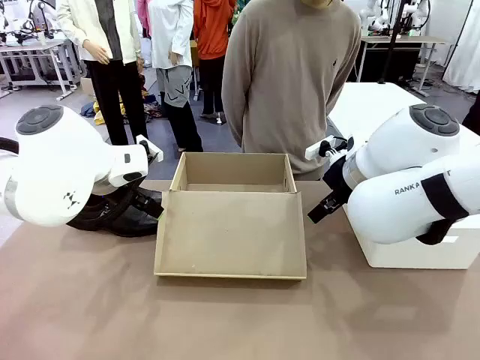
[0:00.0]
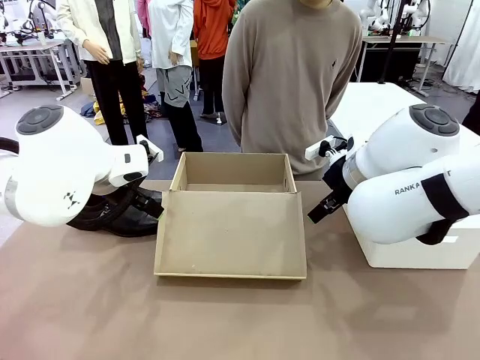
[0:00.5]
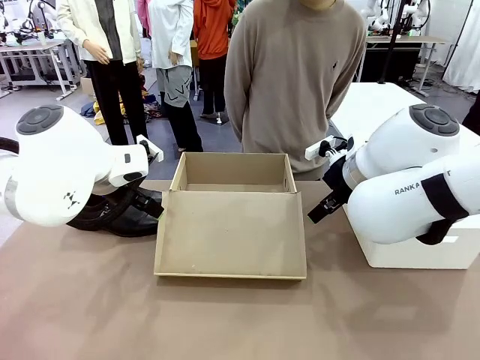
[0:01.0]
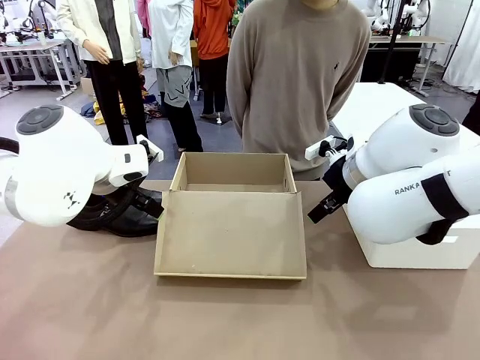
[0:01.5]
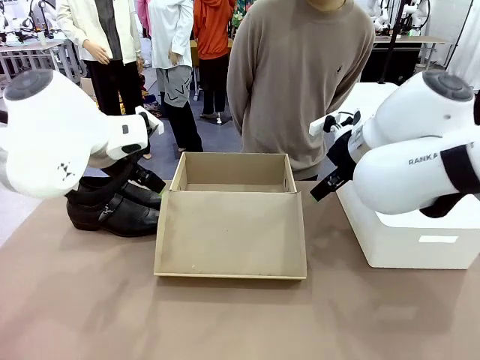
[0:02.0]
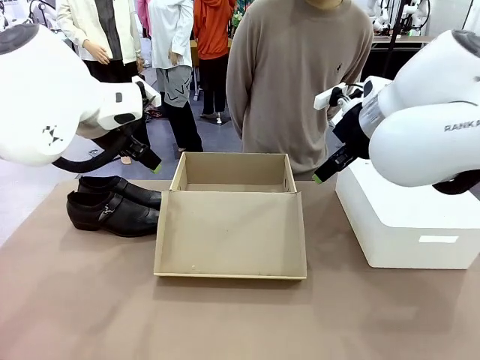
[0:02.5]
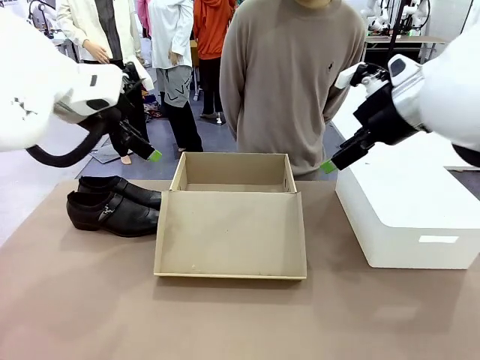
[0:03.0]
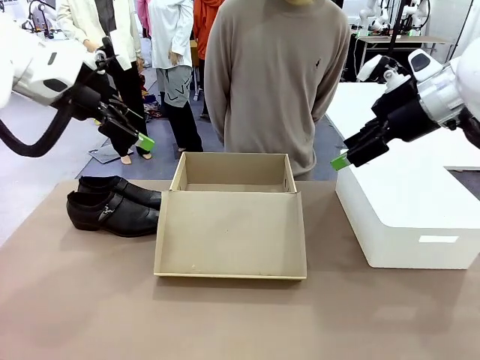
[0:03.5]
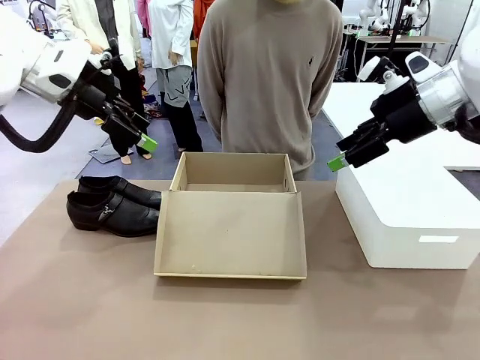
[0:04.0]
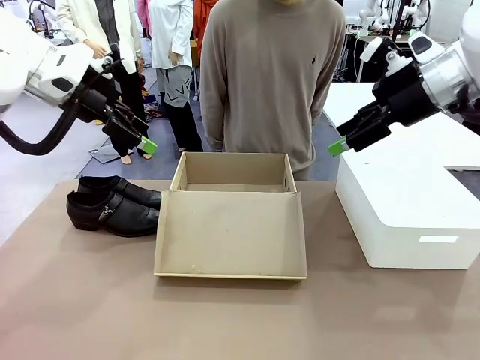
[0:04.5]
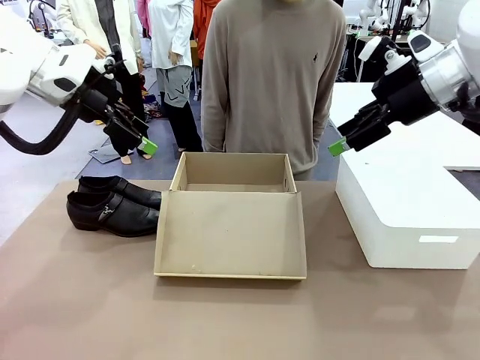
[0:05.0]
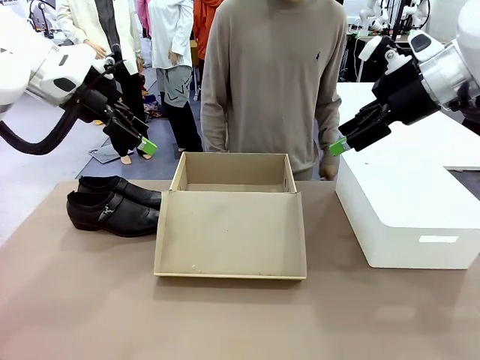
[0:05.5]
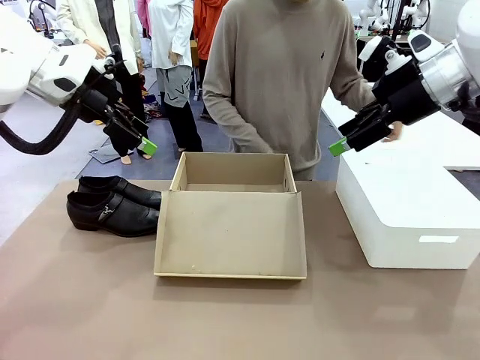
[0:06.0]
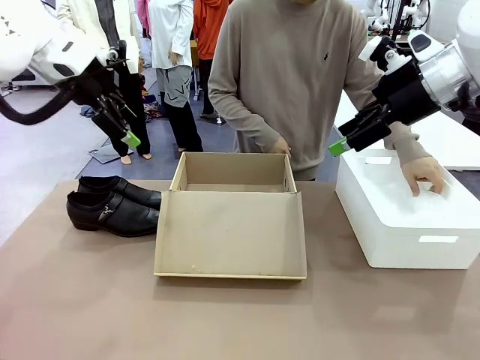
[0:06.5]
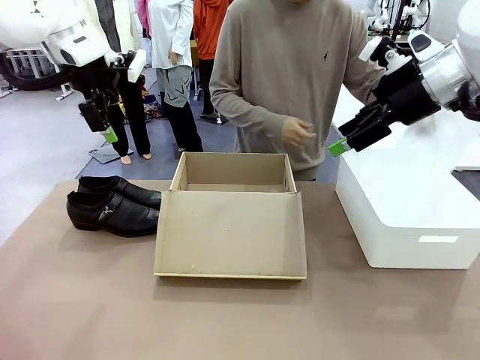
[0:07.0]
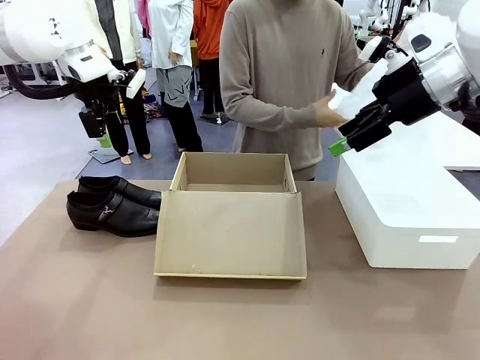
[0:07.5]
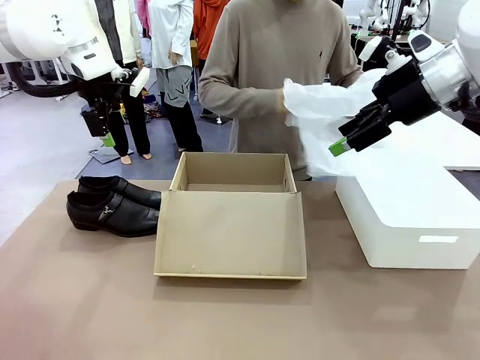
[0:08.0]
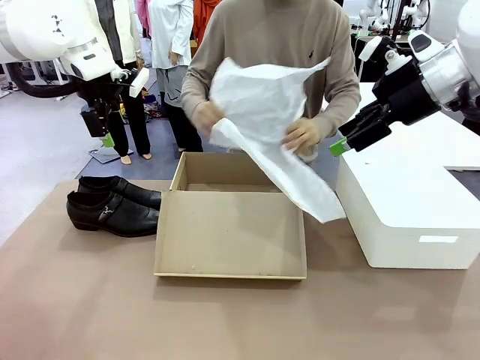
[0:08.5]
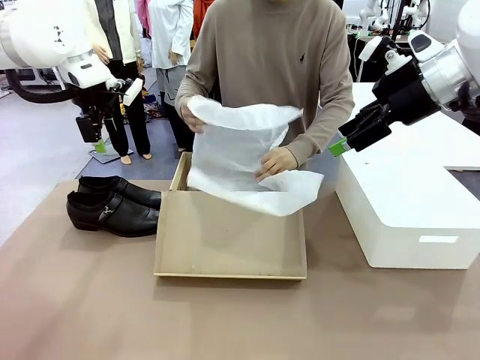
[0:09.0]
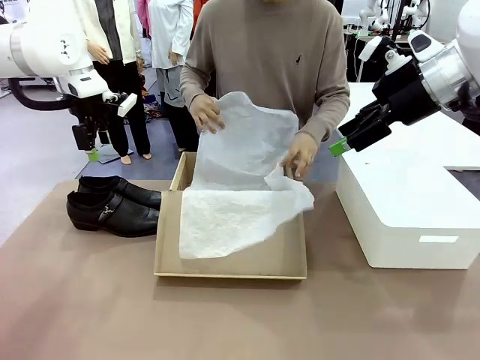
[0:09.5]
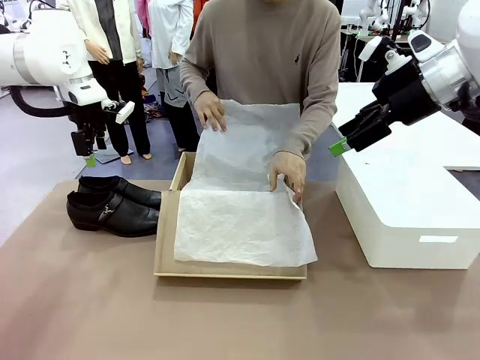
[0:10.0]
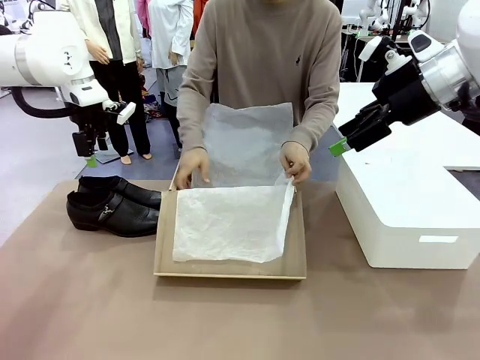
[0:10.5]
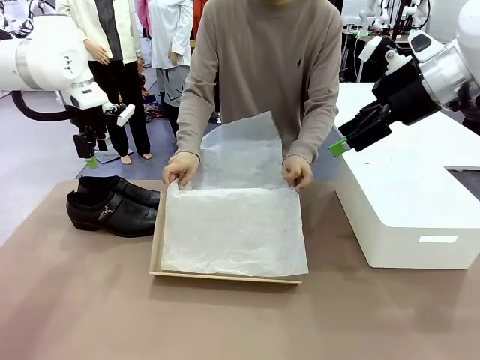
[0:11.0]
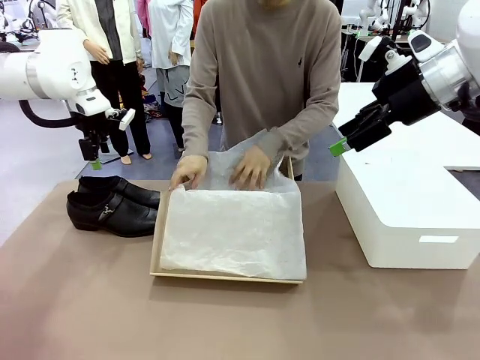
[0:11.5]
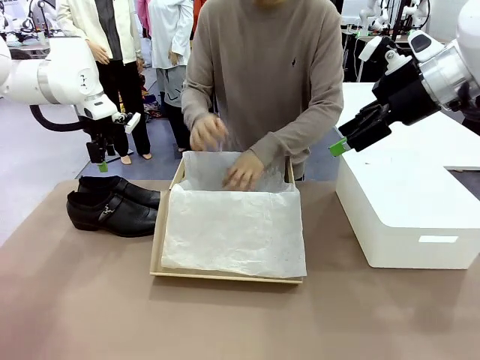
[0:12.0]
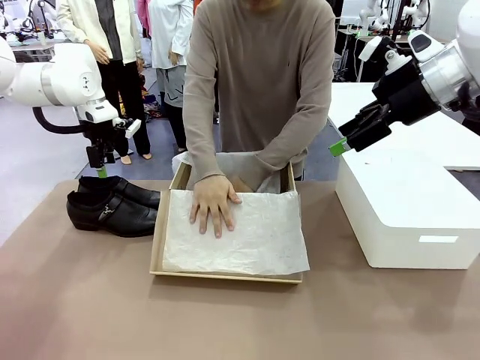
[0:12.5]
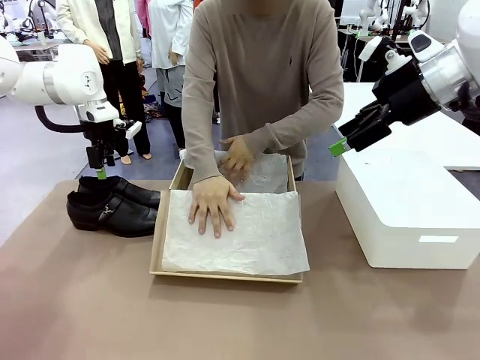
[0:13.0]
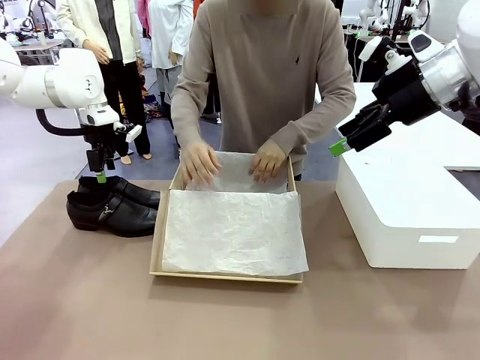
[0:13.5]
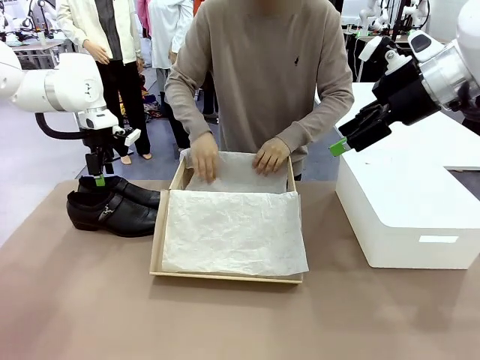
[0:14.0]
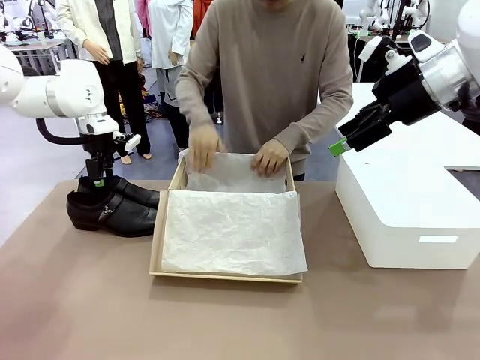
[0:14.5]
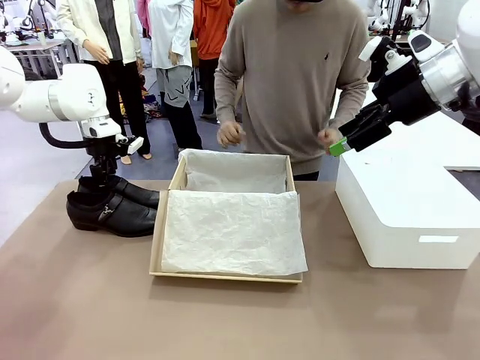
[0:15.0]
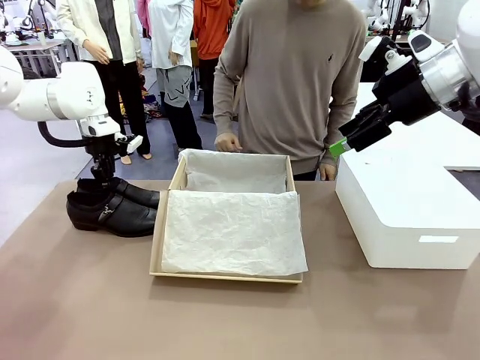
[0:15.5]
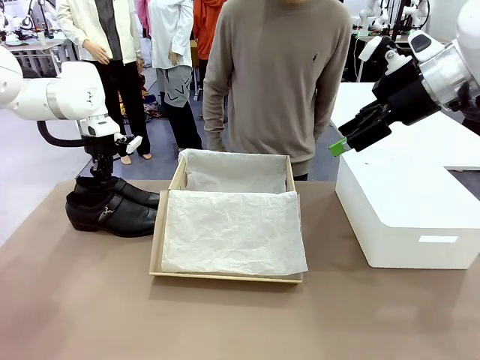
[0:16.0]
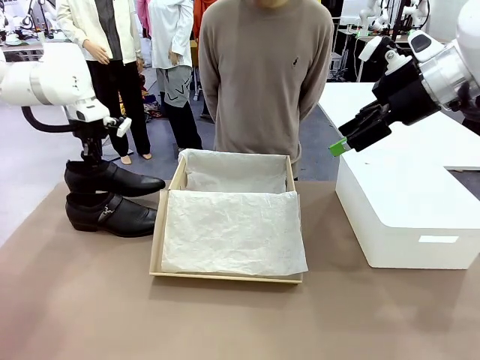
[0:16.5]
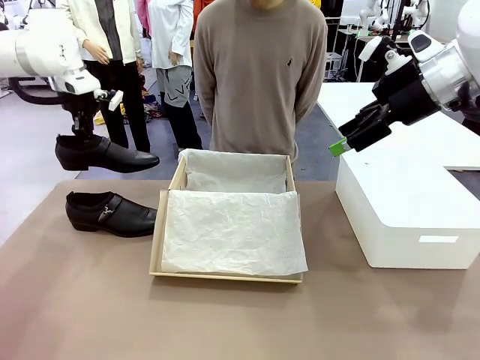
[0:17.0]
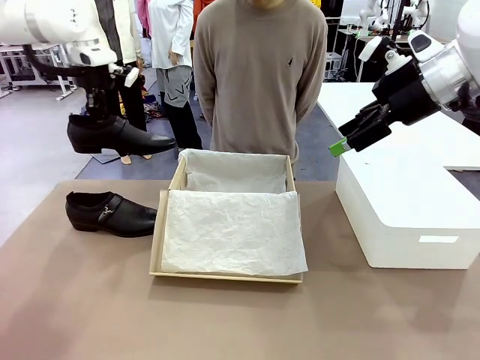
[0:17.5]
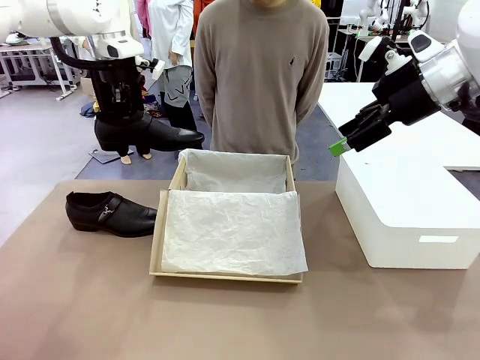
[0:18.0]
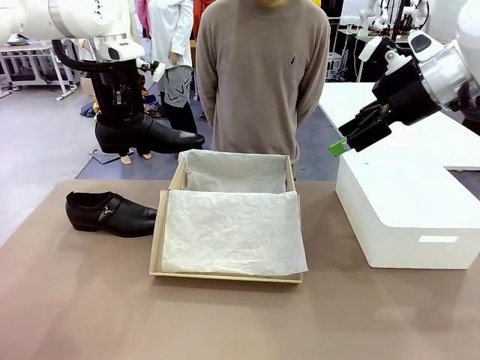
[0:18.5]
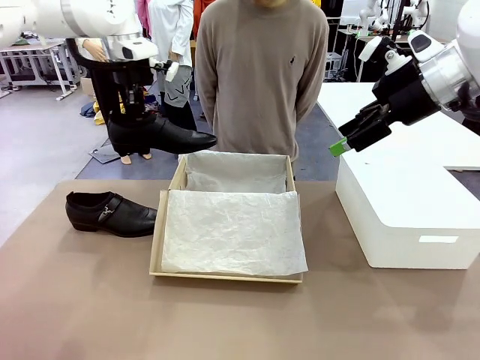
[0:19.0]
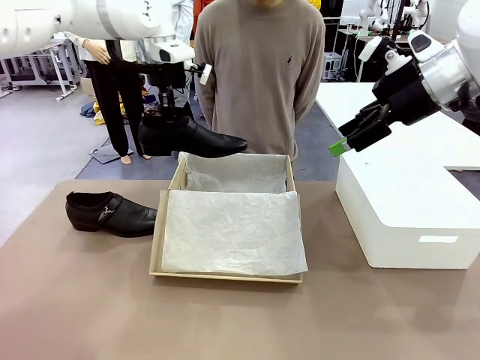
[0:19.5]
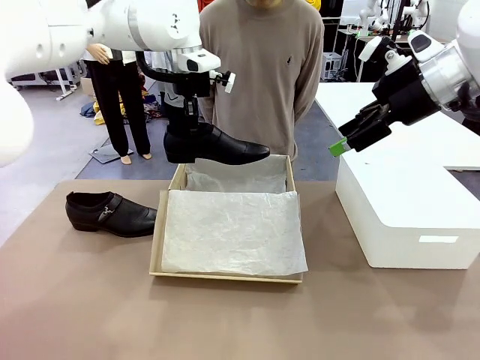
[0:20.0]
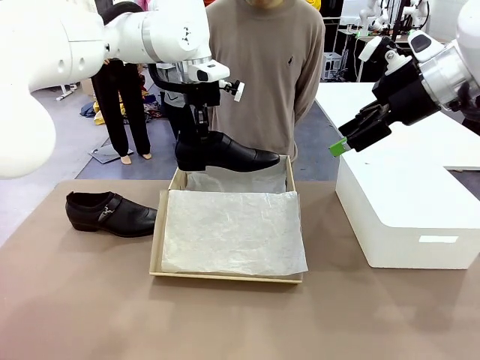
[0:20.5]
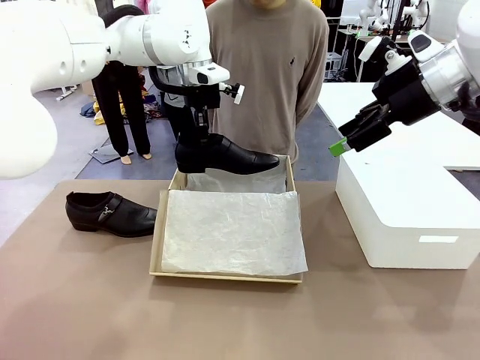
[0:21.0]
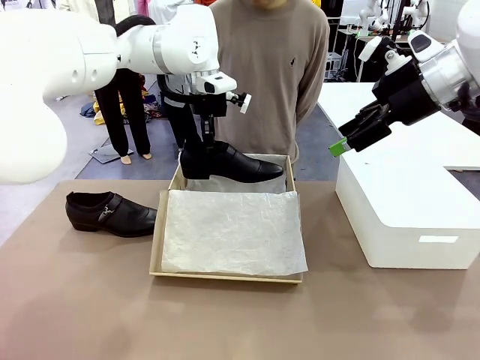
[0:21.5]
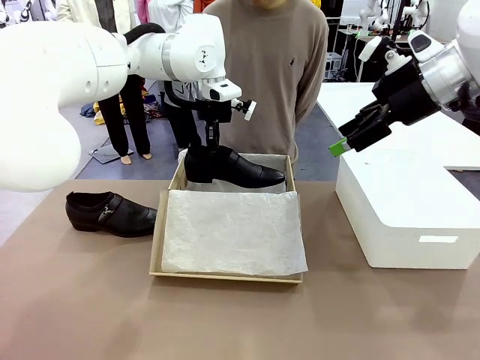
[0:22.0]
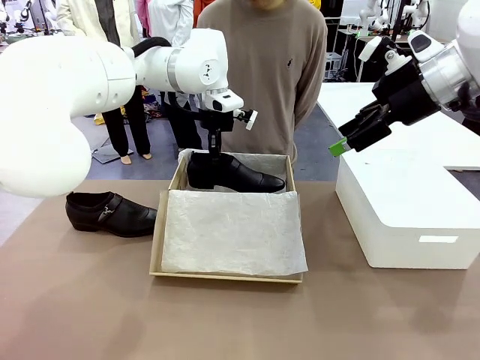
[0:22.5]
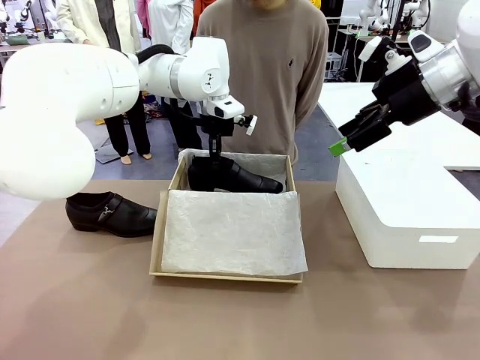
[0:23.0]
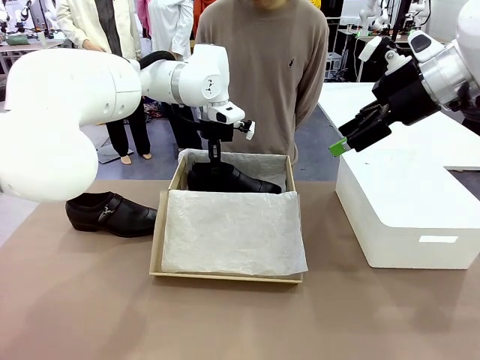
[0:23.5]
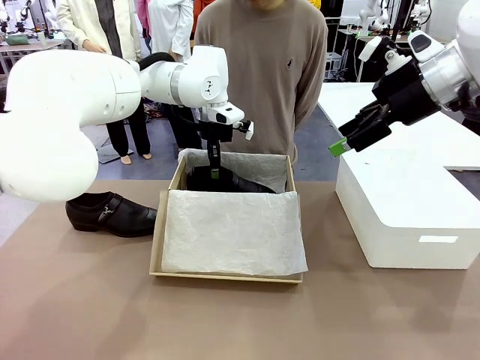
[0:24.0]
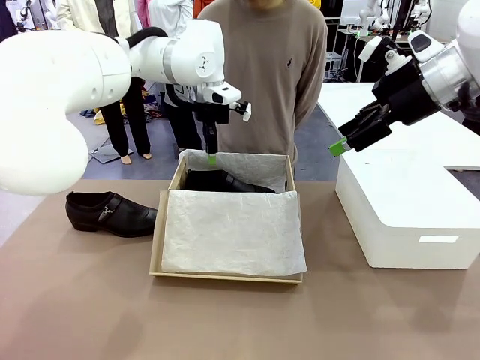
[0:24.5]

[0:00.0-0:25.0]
Task: Pack the shoes into the box.
Robot: Place one shoe of the Shoes into the Shoes Box.
Person: Spread Shoes Wrapping Paper and place inside the Shoes Box.
